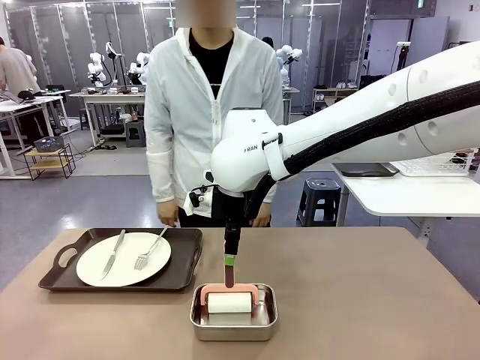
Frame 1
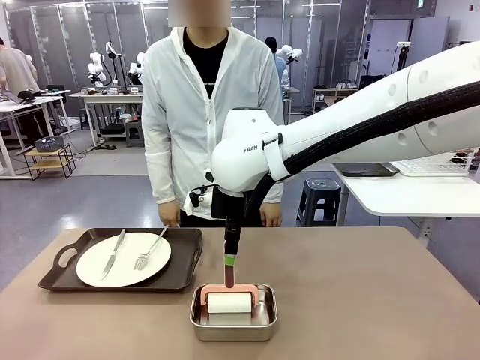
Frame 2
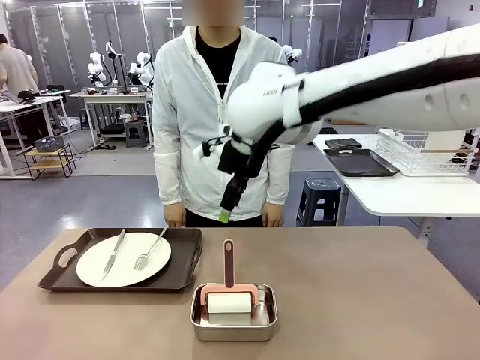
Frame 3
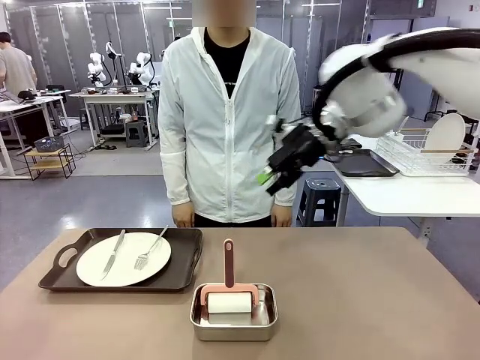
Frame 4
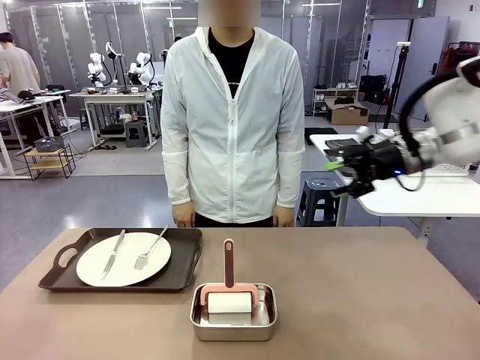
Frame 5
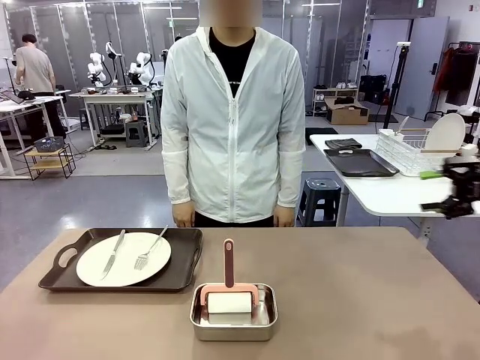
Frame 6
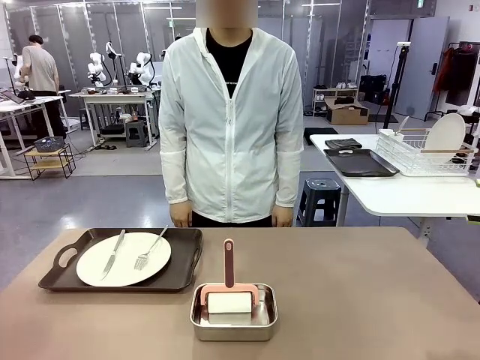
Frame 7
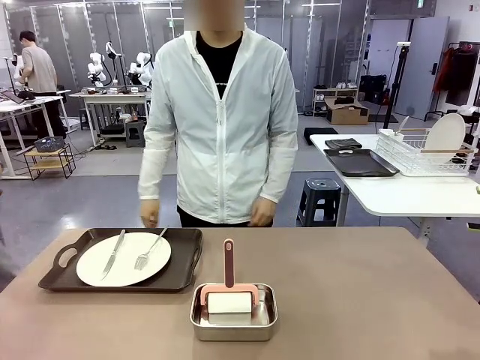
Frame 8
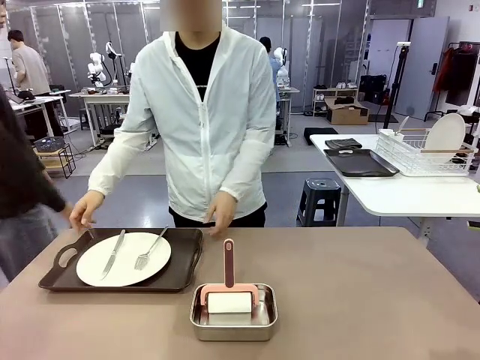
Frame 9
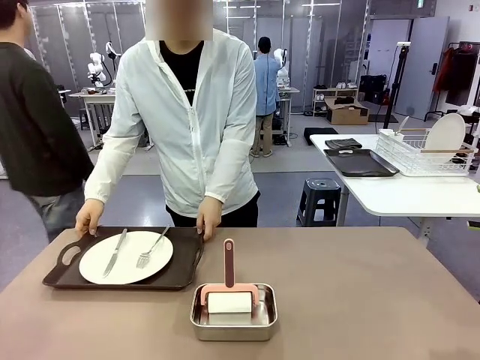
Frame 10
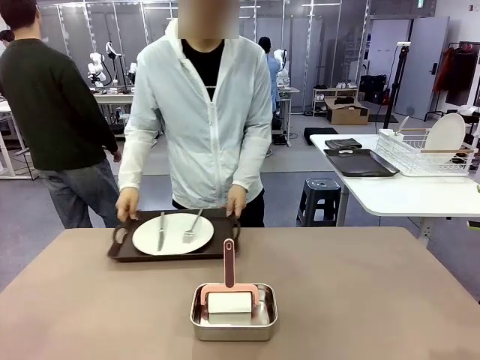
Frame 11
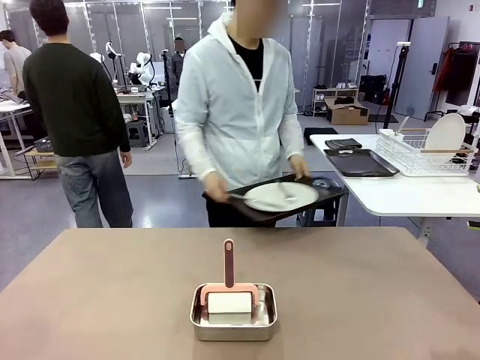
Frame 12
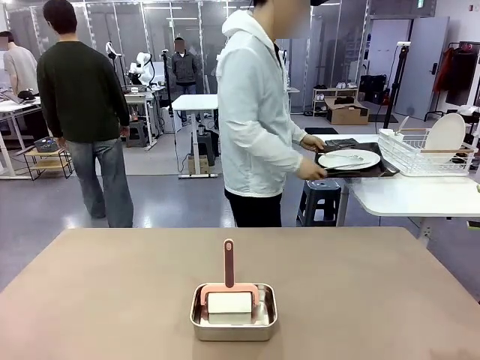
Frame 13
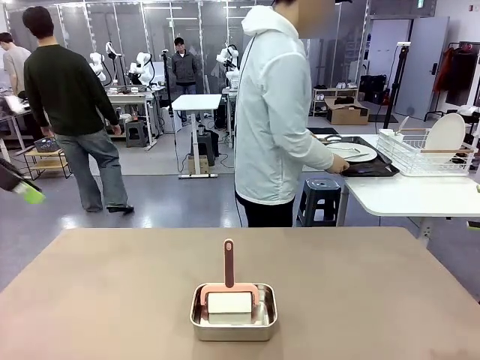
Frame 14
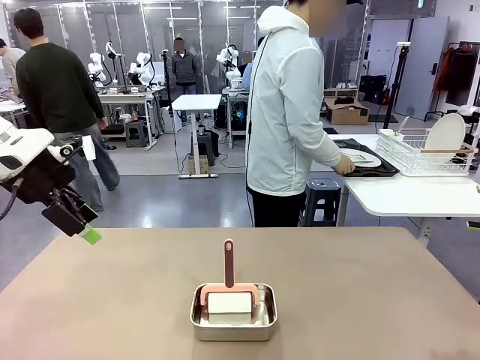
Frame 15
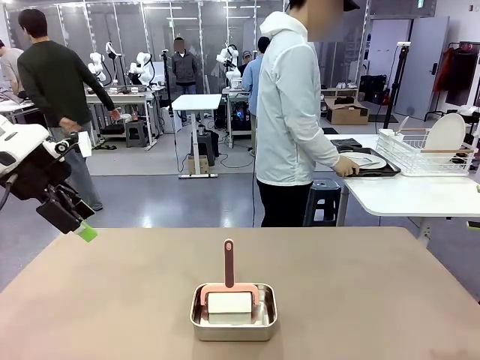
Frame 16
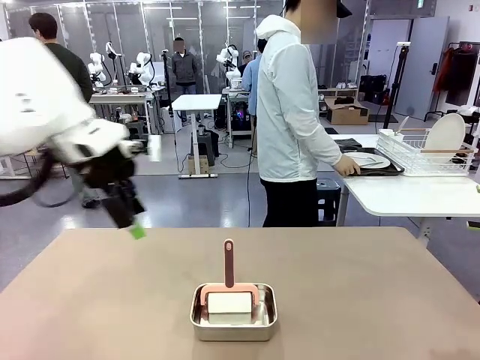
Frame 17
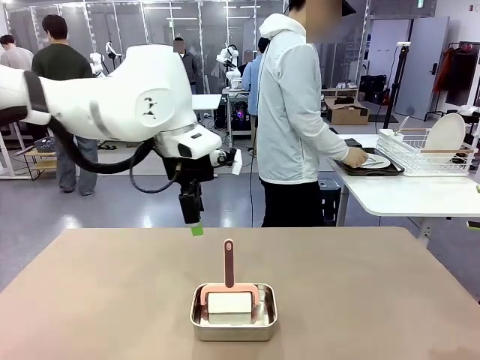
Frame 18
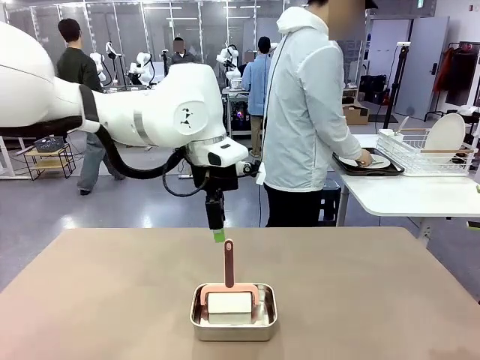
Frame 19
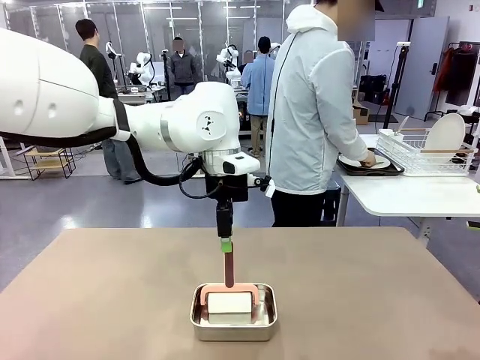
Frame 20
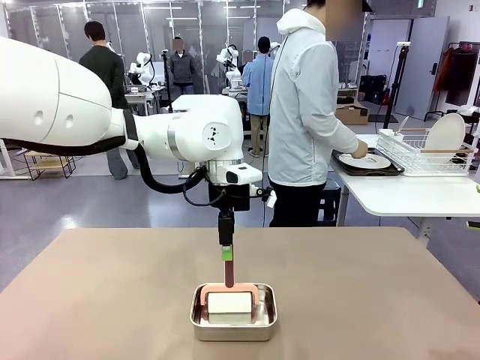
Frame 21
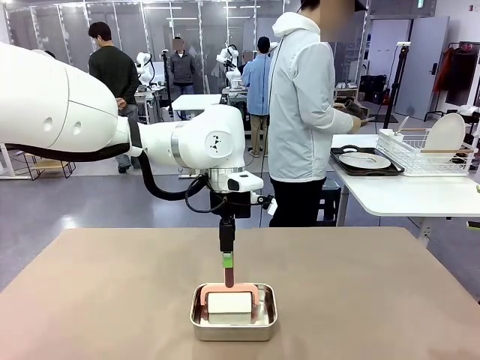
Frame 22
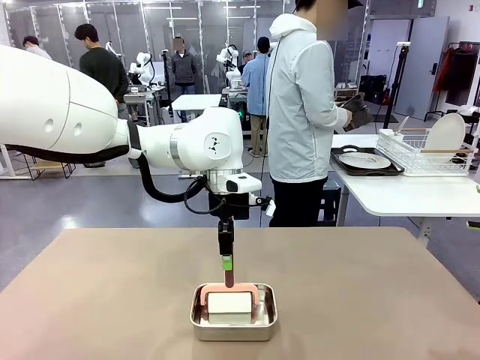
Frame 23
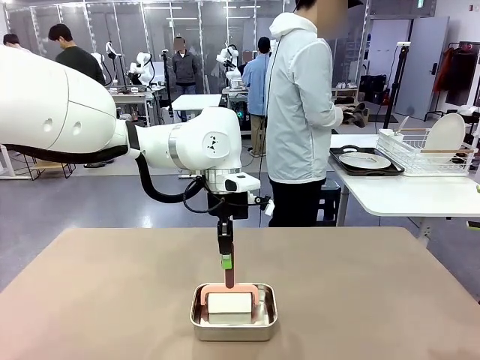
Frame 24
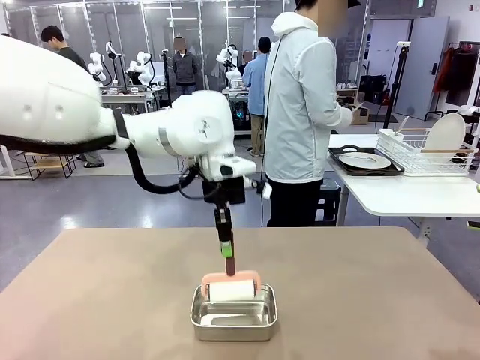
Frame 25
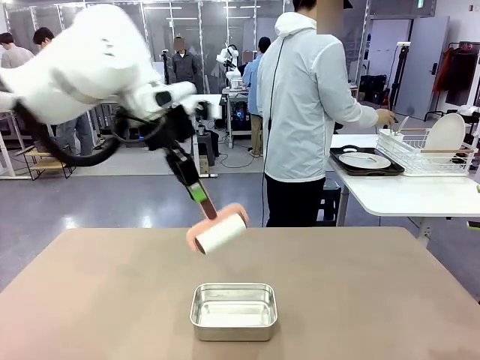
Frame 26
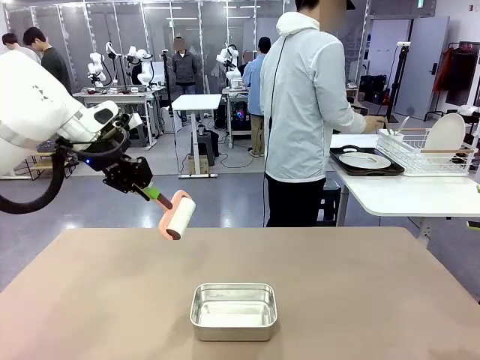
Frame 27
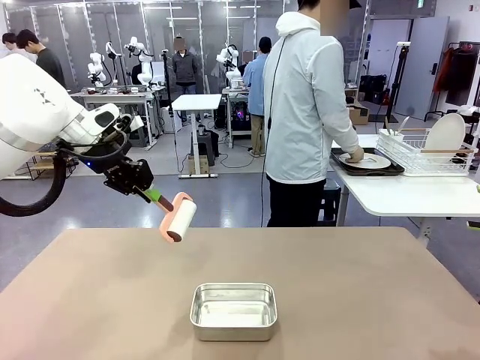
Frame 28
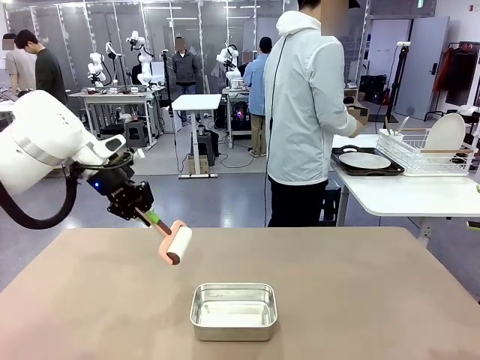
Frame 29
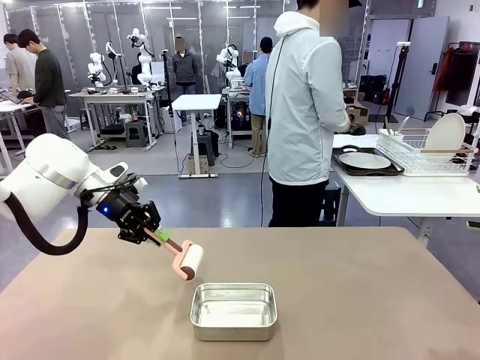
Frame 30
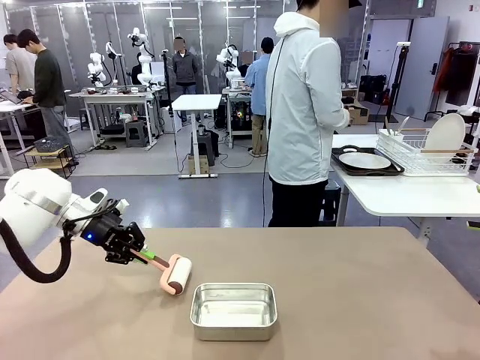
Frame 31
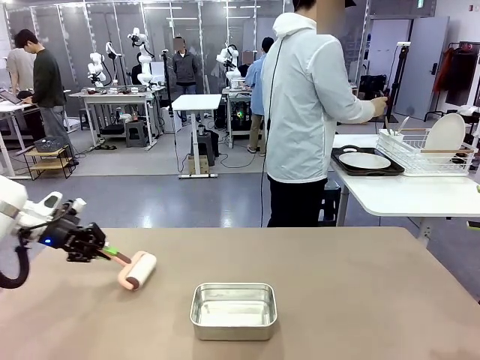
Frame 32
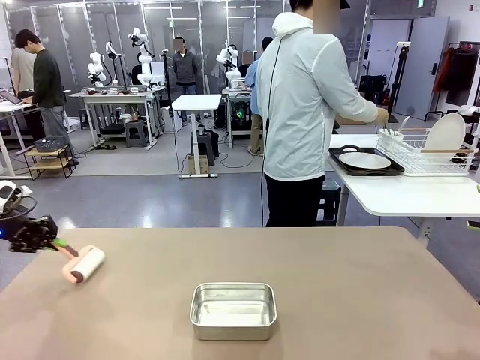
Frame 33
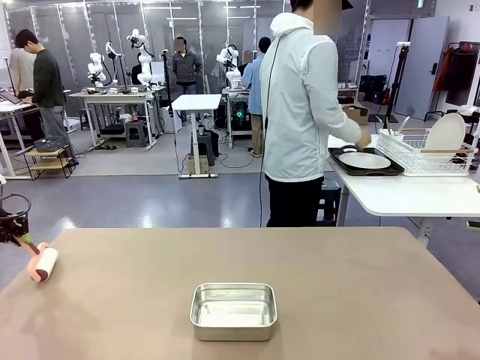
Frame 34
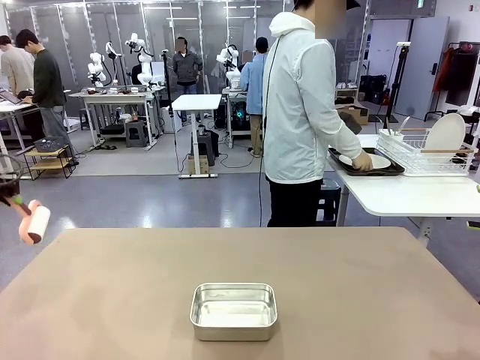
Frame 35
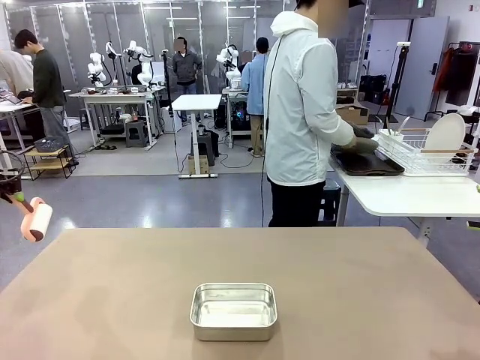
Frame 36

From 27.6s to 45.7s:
Robot: When the right (or left) Handle tray is removed, use the right hand (or left hand) to clean the right (or left) side of the table with the Lint Roller.
Person: Pick up the left (or right) Handle tray and place it on the Handle tray.

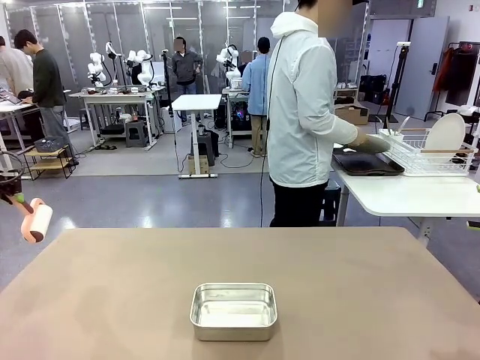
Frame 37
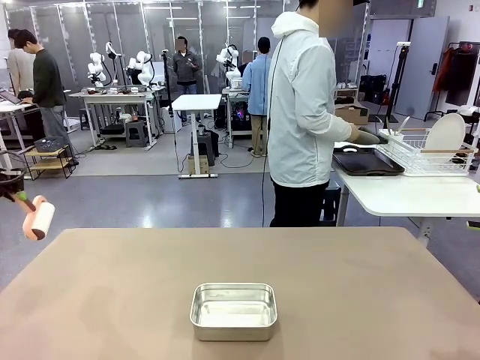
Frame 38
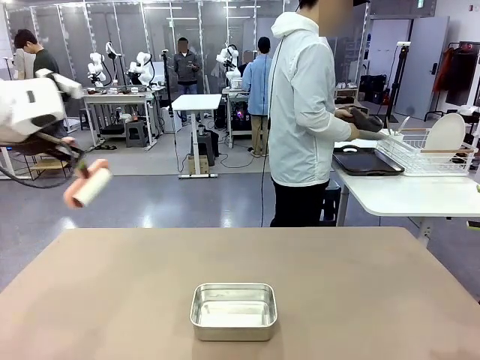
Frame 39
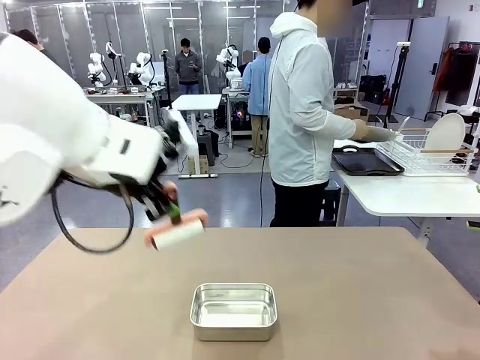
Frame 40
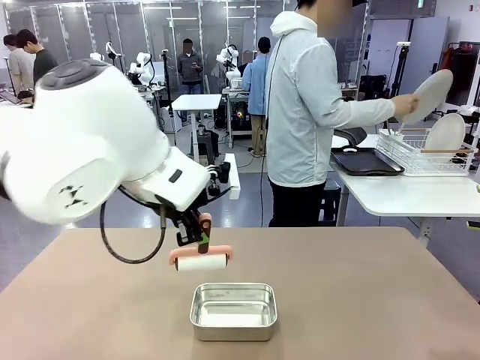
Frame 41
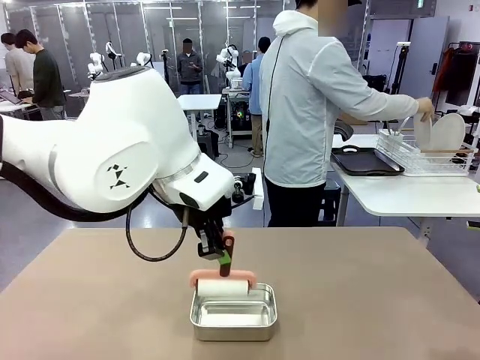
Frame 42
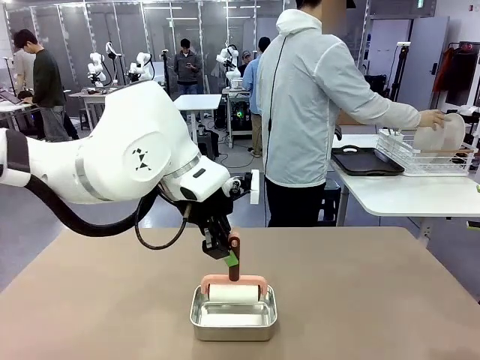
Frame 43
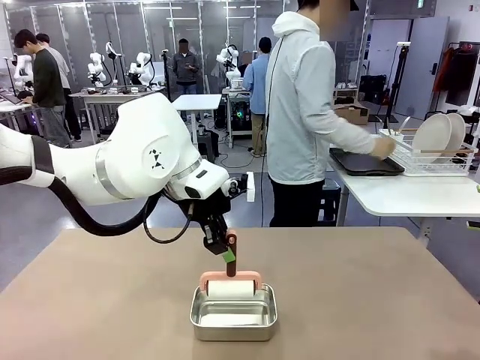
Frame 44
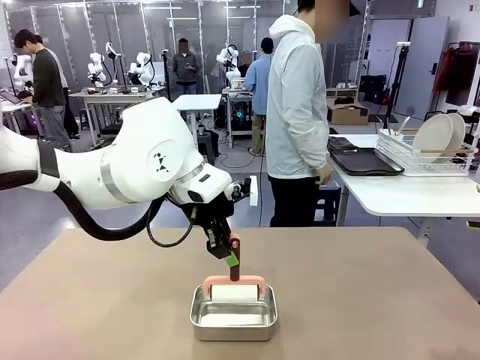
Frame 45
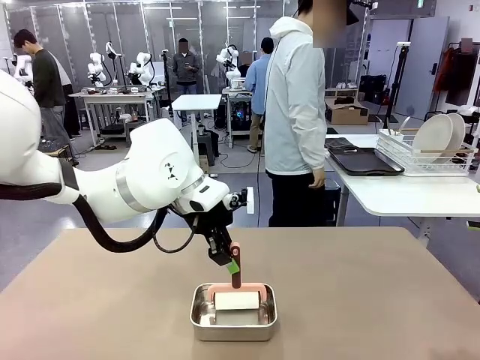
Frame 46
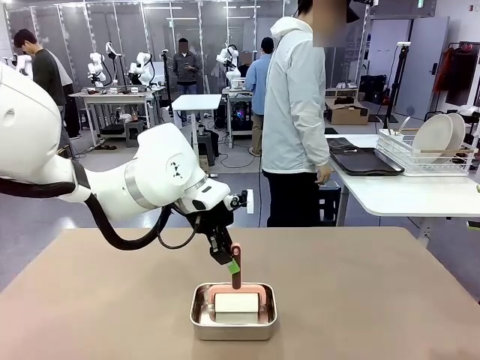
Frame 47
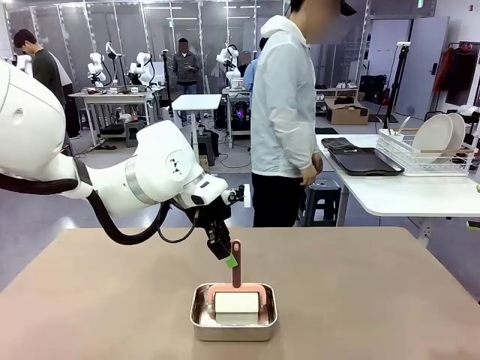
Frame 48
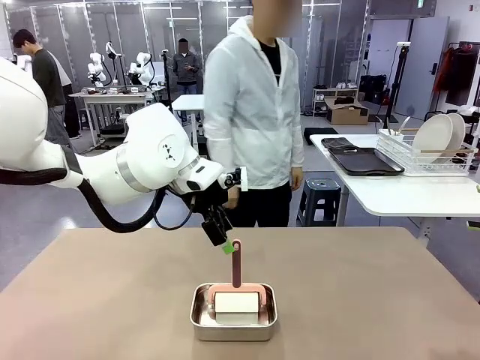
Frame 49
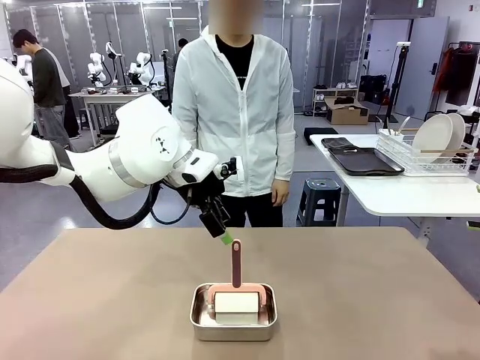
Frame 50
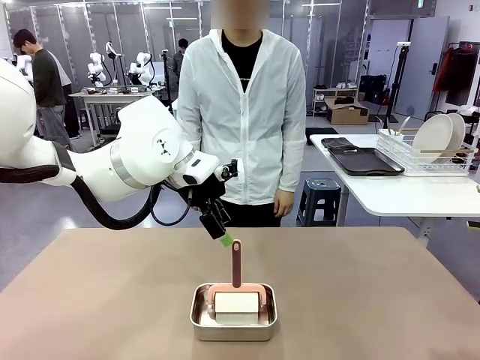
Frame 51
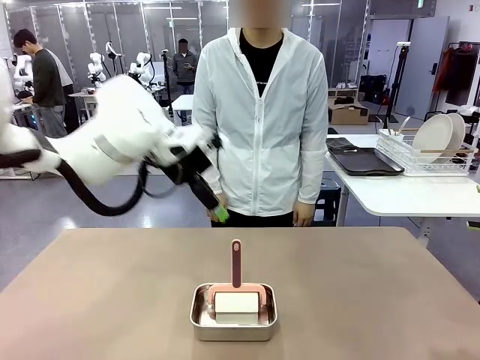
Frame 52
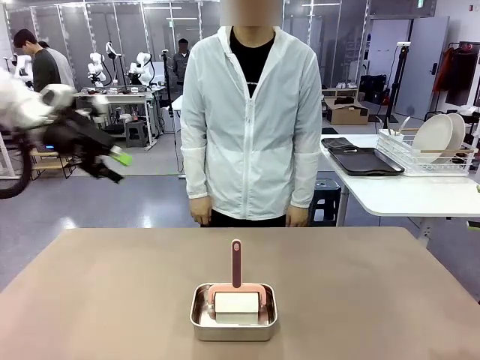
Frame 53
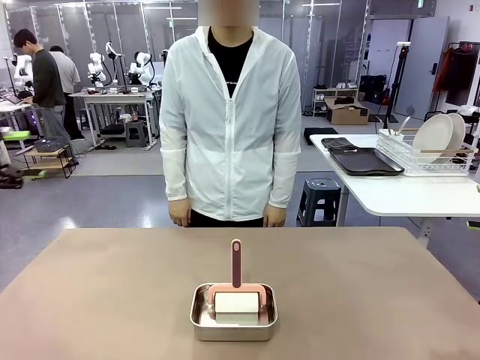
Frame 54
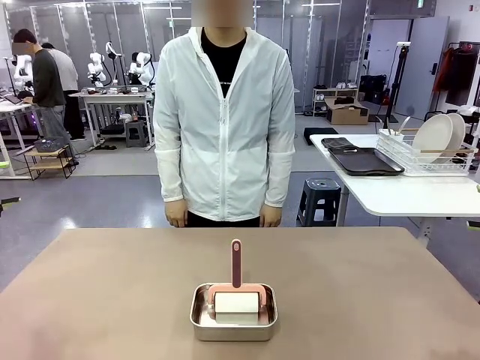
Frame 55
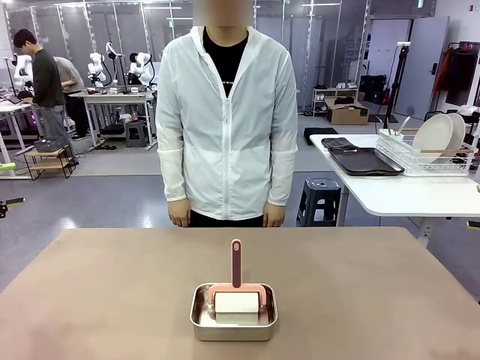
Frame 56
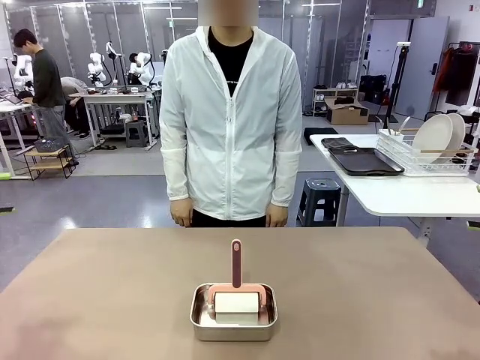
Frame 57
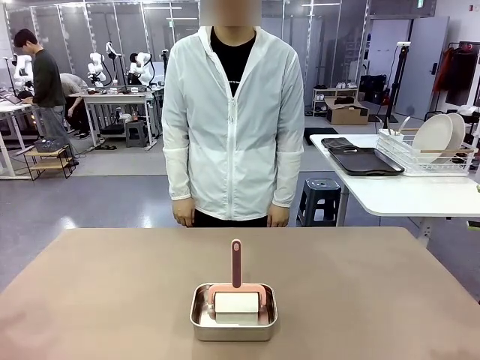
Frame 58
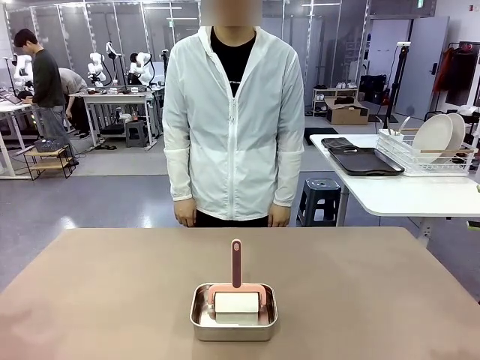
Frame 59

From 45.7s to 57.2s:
Robot: Place the Lint Roller back on top of the Airtight Container.
Person: Use the Towel with hook to wipe the Plastic Matte Plate , Fork , and Knife and place into the Dish drying rack.
